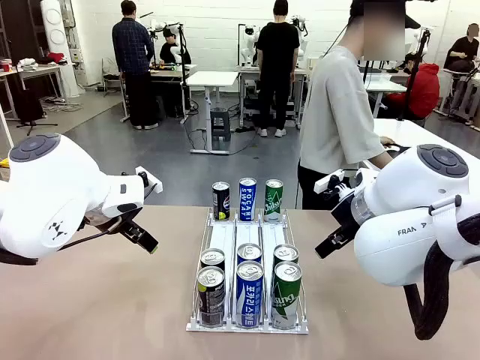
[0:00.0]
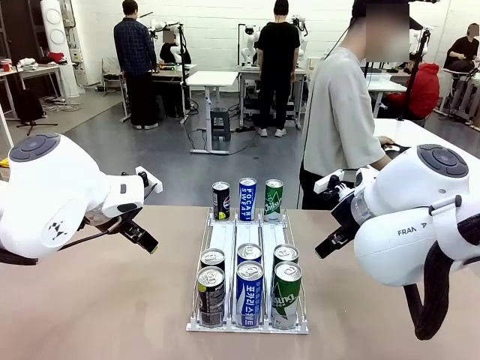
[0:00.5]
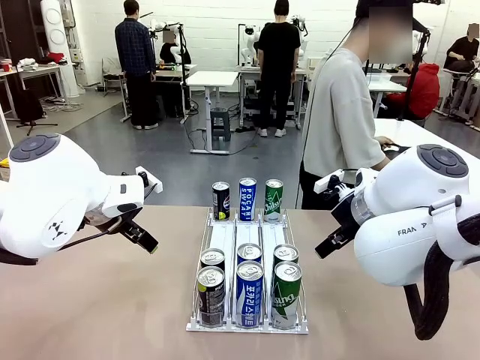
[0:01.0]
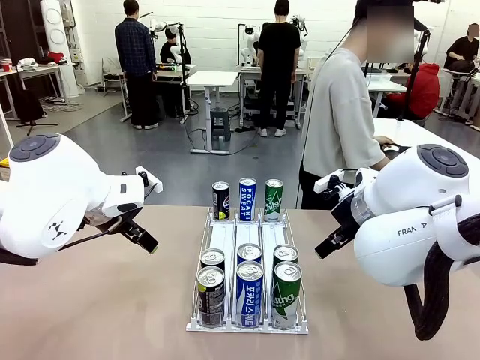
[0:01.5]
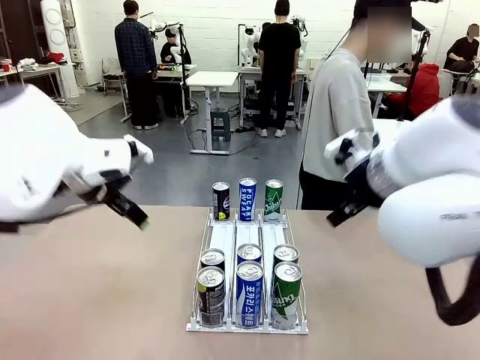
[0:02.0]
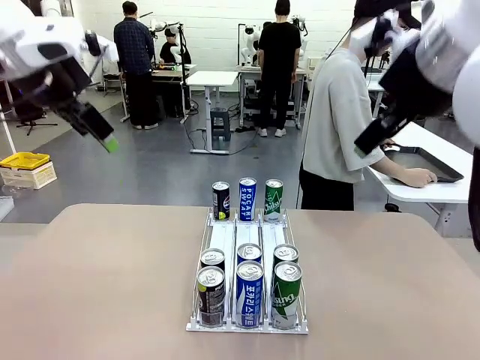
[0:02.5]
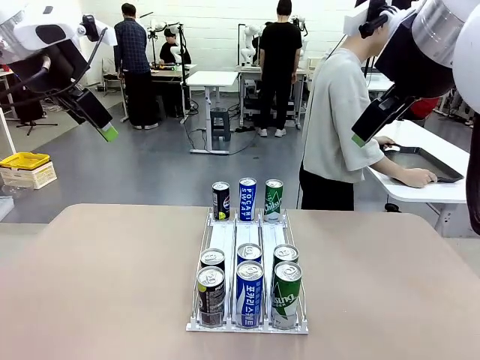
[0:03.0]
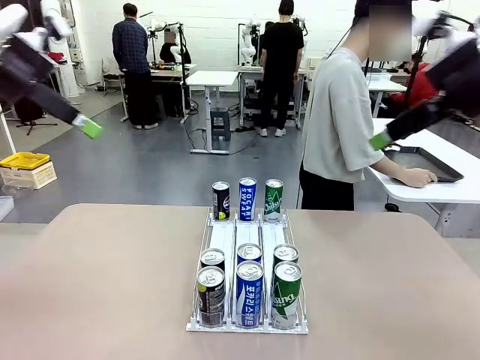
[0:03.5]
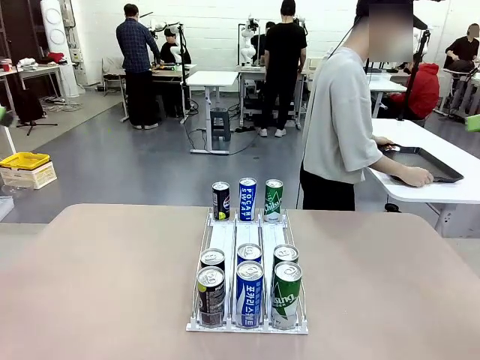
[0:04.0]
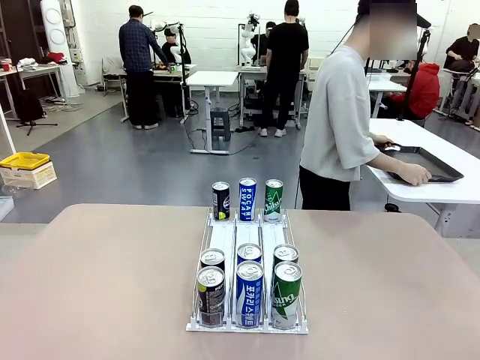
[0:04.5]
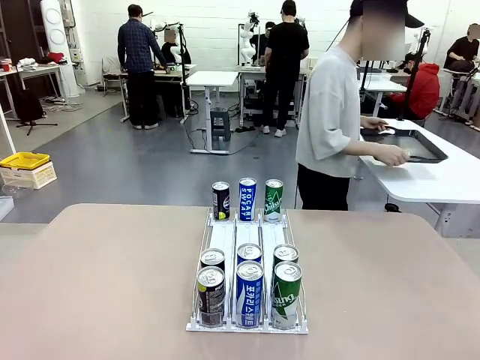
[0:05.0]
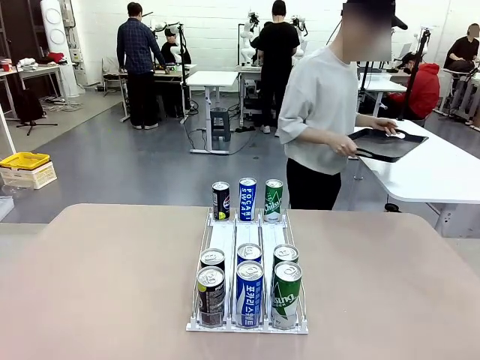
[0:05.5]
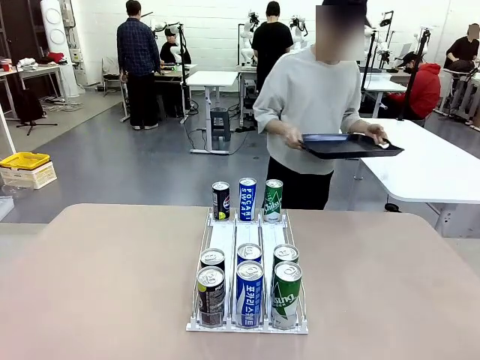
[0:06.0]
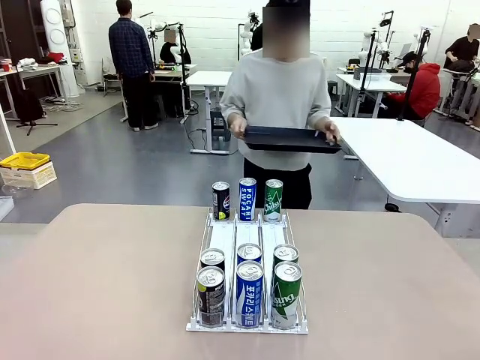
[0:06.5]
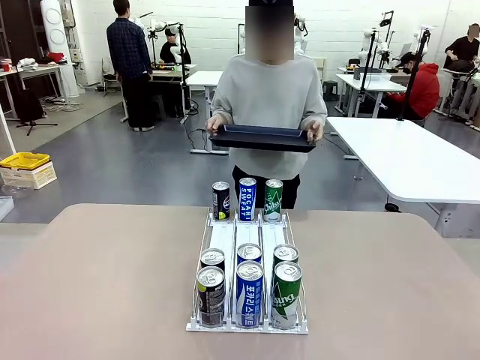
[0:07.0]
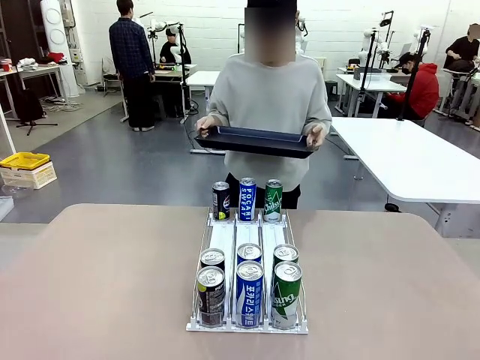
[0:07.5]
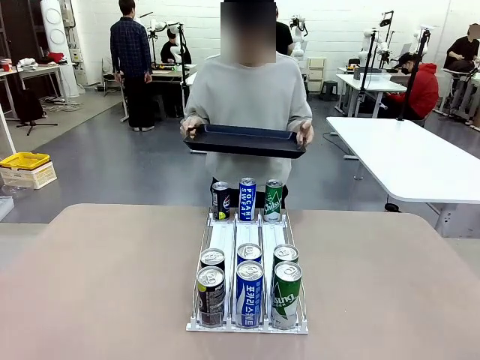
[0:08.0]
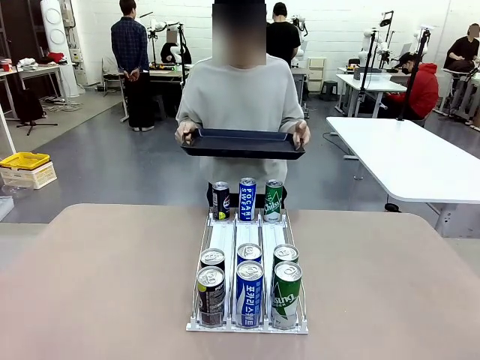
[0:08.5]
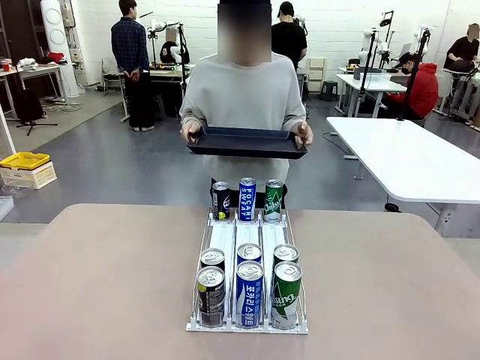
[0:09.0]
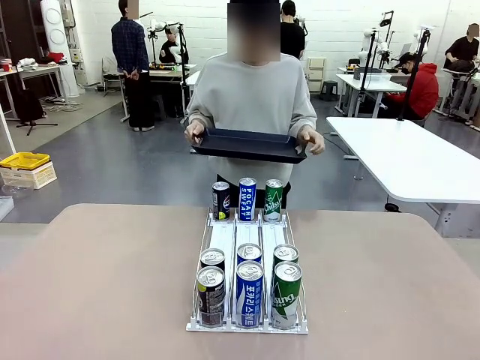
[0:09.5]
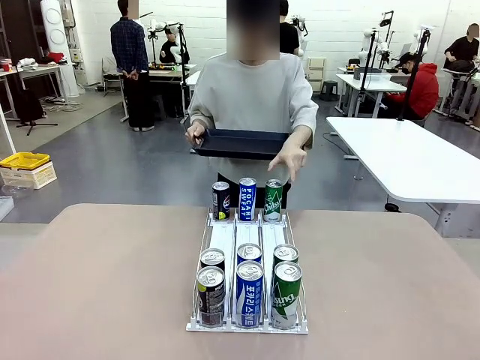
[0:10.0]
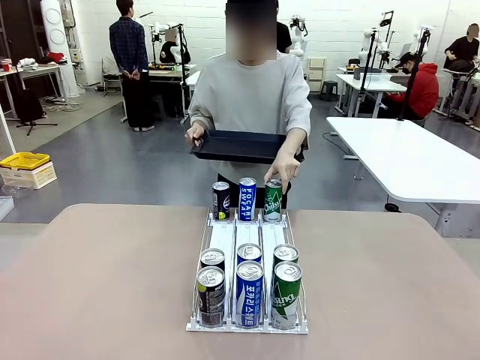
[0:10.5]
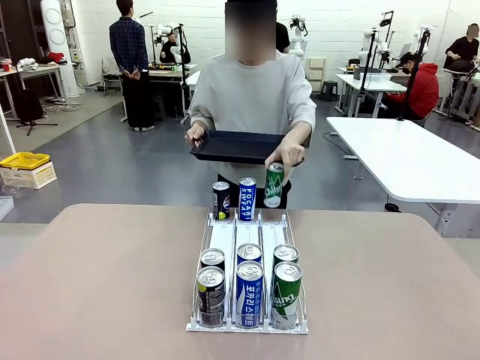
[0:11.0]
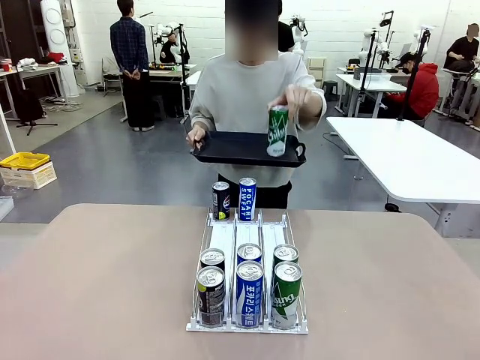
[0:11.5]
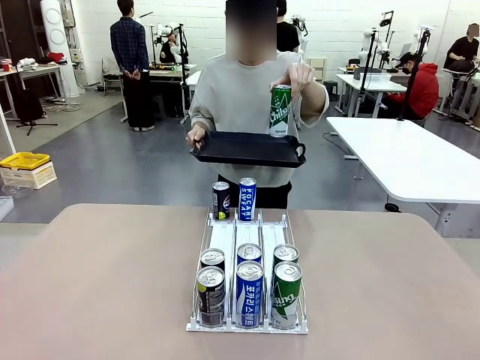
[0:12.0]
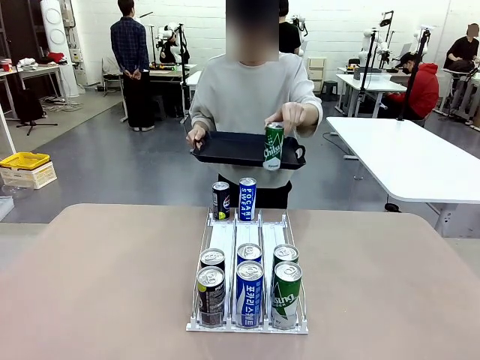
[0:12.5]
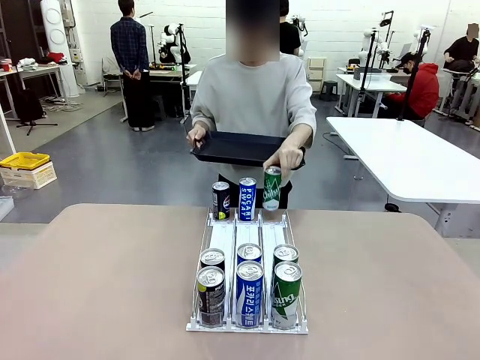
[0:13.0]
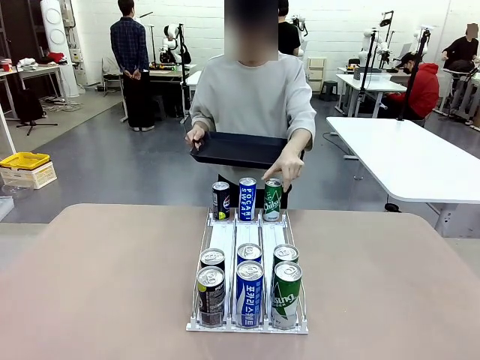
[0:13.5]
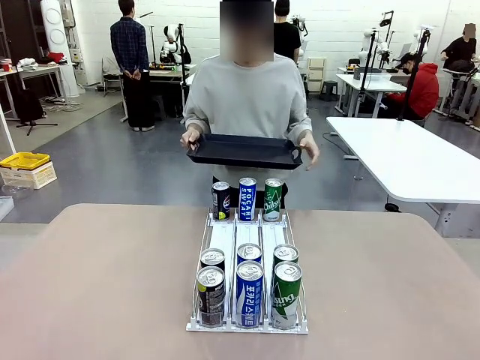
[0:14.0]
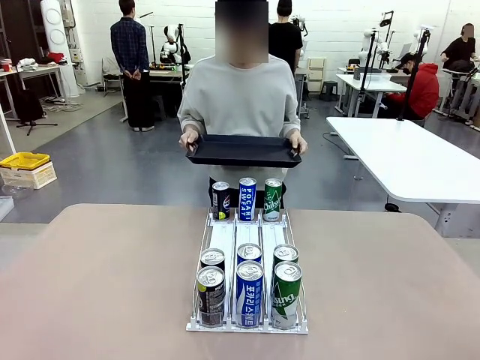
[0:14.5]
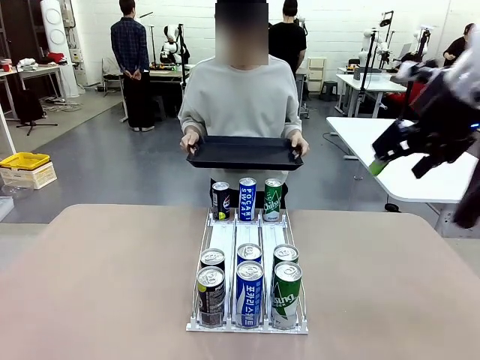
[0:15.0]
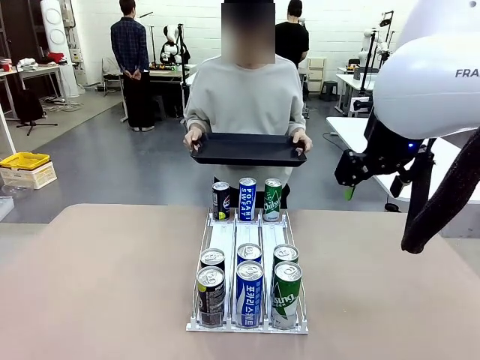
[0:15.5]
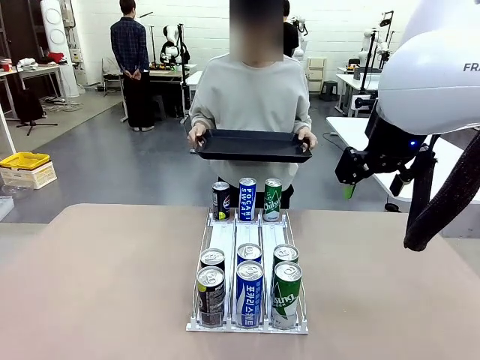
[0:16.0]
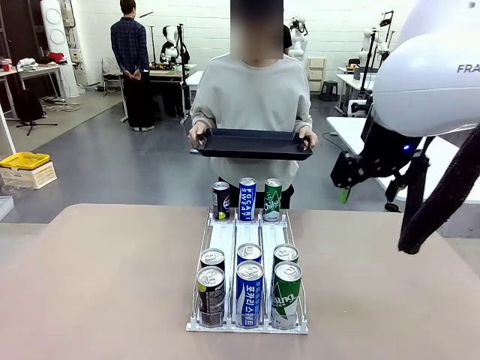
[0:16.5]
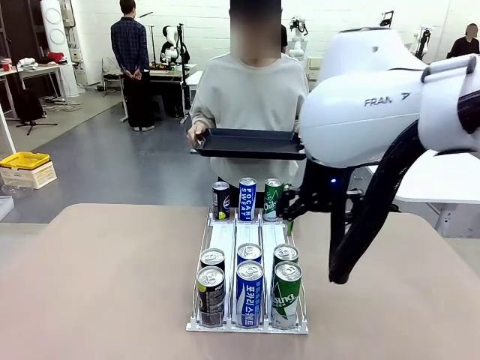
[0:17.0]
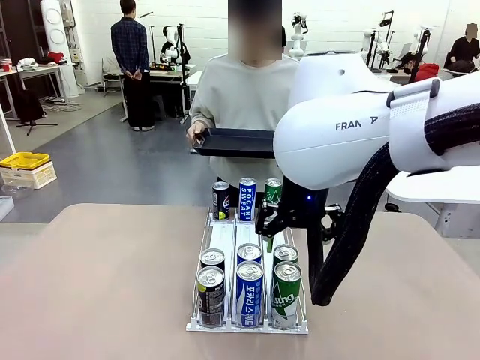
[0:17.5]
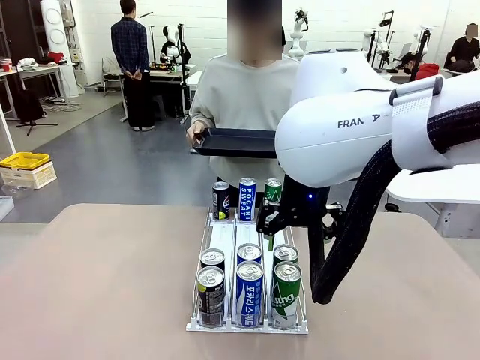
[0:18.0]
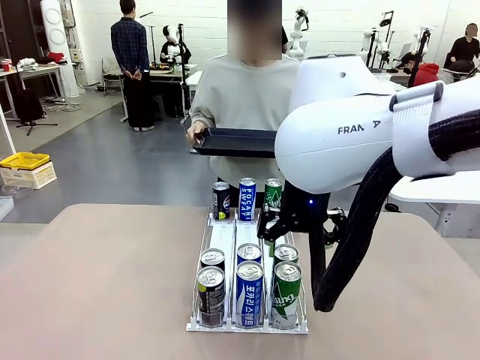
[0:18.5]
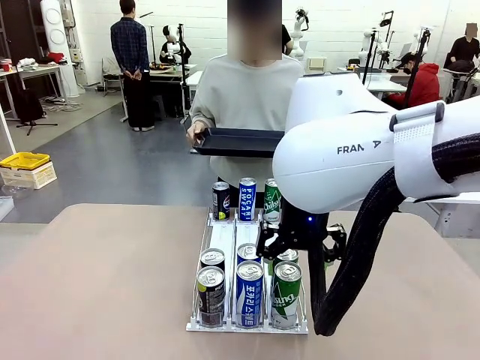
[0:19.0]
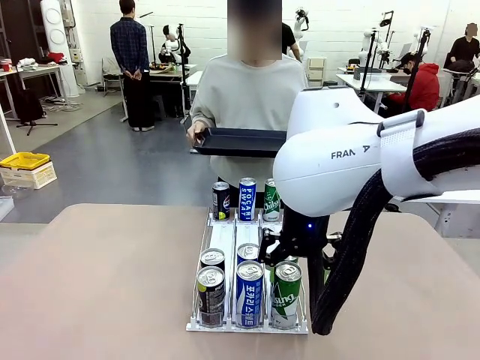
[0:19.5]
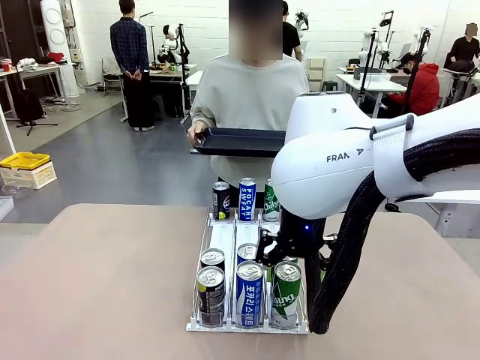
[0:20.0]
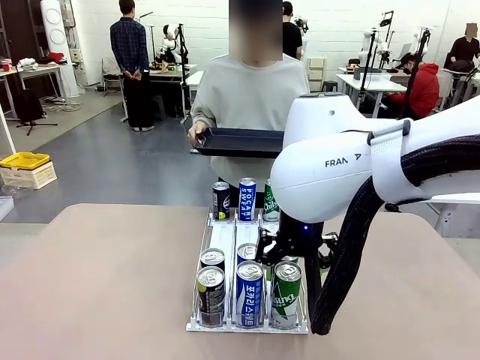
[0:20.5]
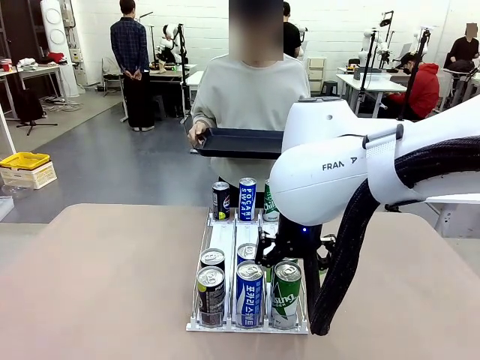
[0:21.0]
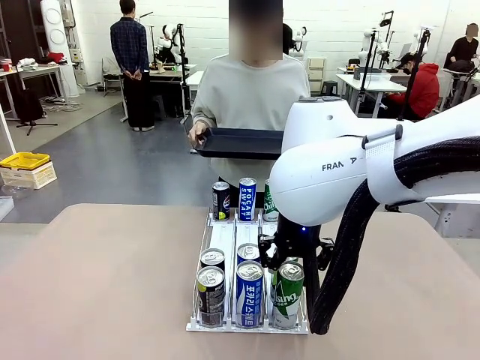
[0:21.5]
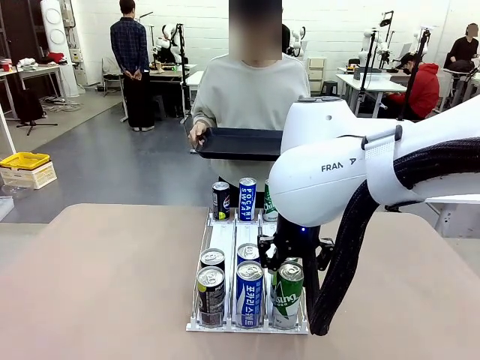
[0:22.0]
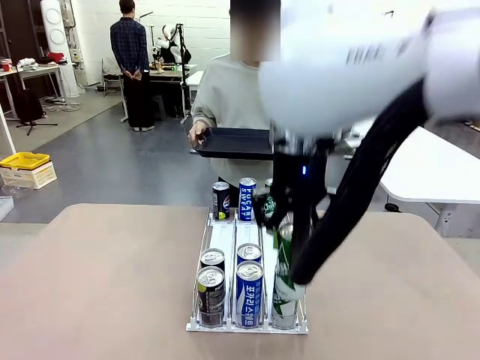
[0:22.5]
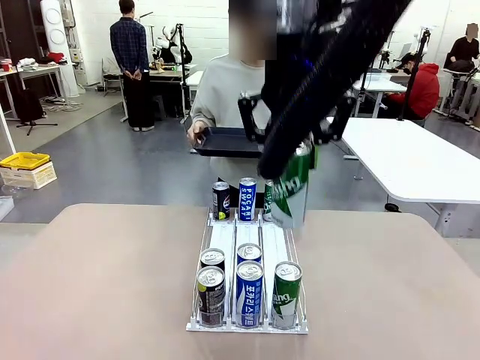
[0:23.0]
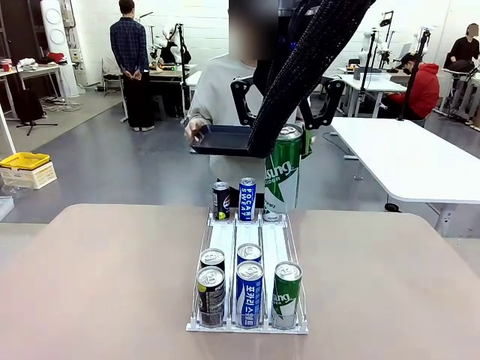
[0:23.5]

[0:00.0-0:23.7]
Task: Retrieve and hand over the desired beverage to the person.
Robot: Pick up a can of the same type that the person held from the Automatic Can Dispenser.
Person: Hold the tray and position yourself in front of the robot table. Pick up one can from the bottom area of the table and puts it back in its original place. Push the tray toward the robot.
